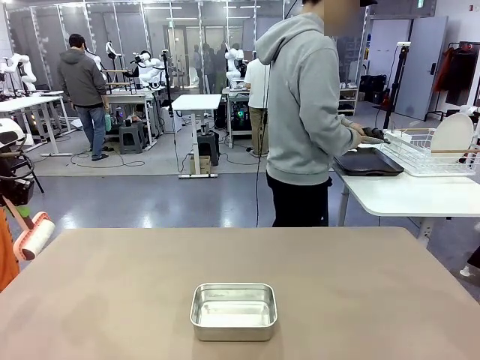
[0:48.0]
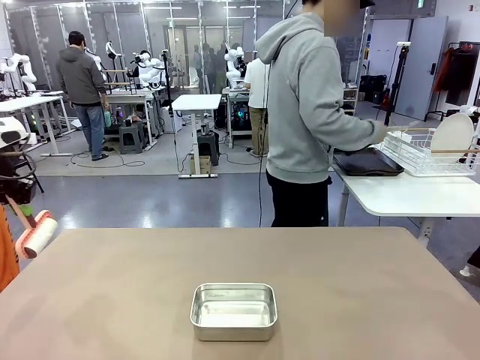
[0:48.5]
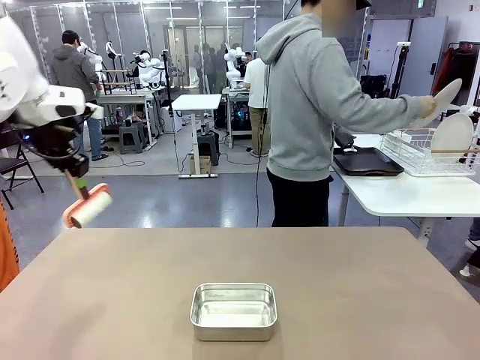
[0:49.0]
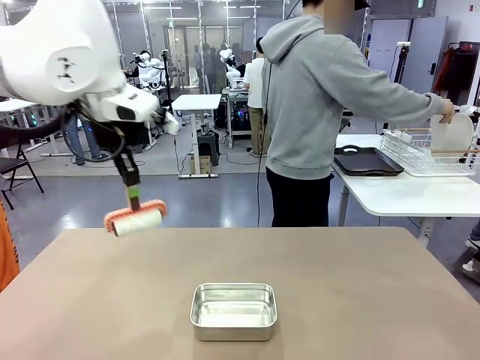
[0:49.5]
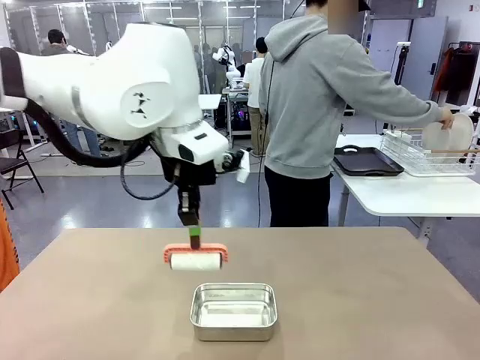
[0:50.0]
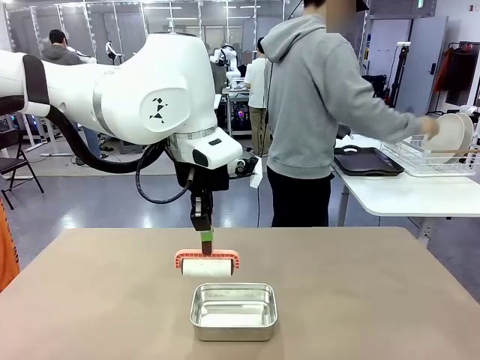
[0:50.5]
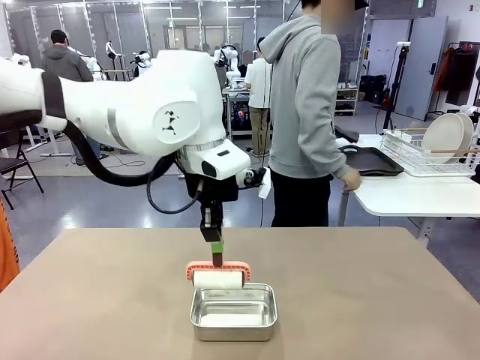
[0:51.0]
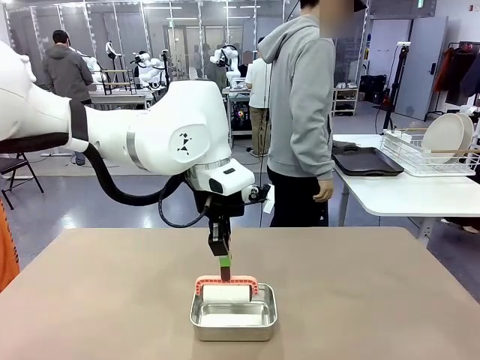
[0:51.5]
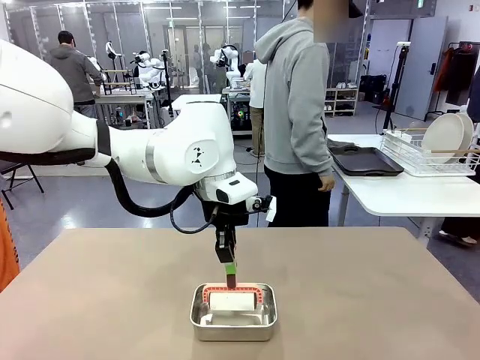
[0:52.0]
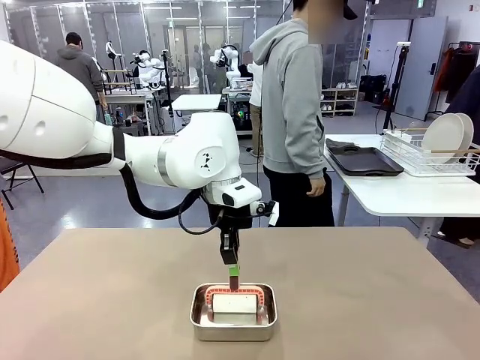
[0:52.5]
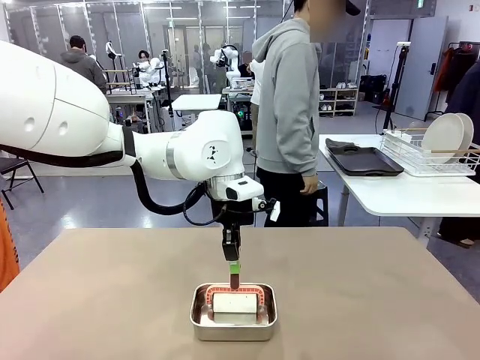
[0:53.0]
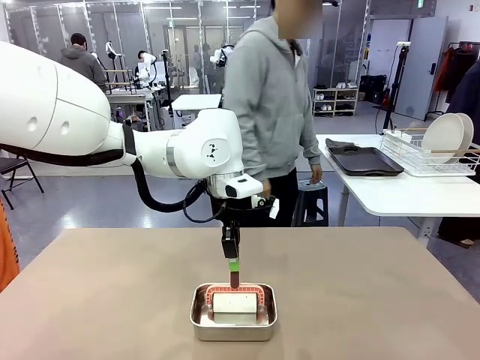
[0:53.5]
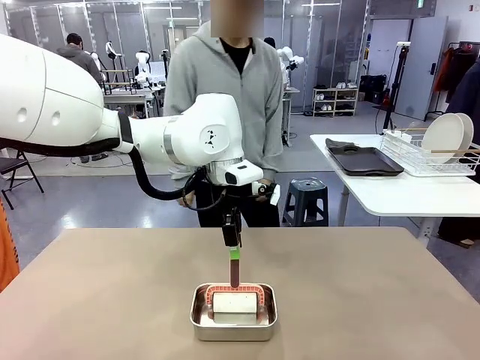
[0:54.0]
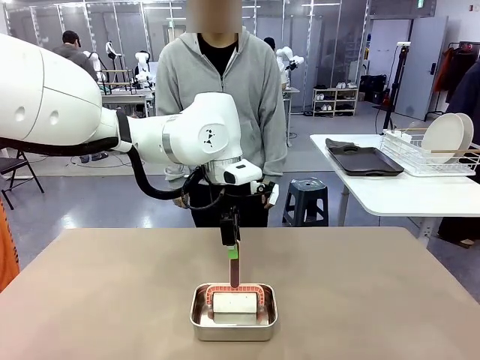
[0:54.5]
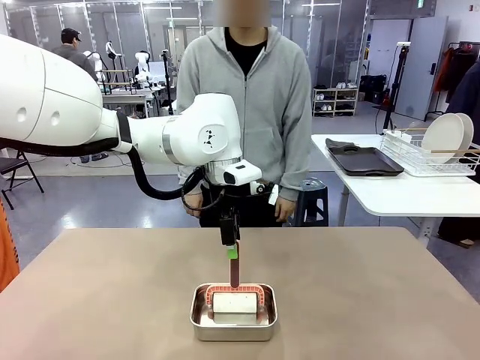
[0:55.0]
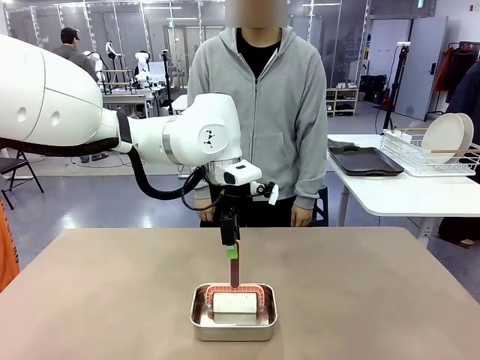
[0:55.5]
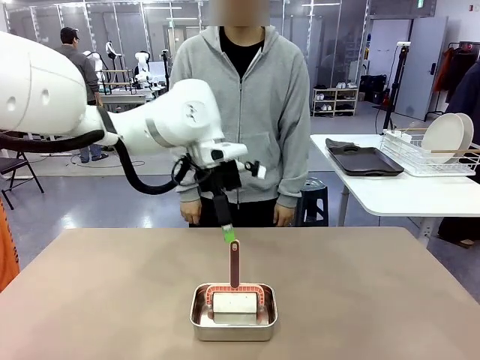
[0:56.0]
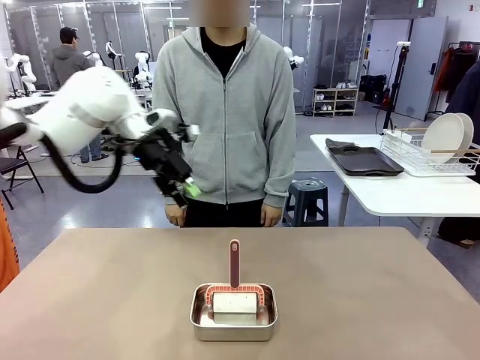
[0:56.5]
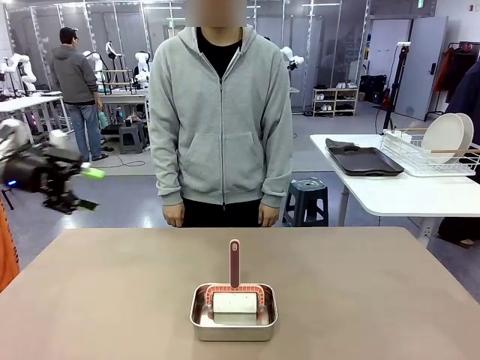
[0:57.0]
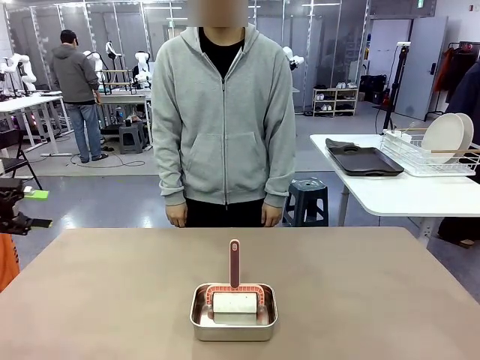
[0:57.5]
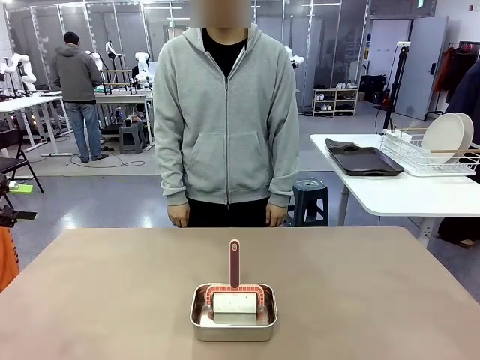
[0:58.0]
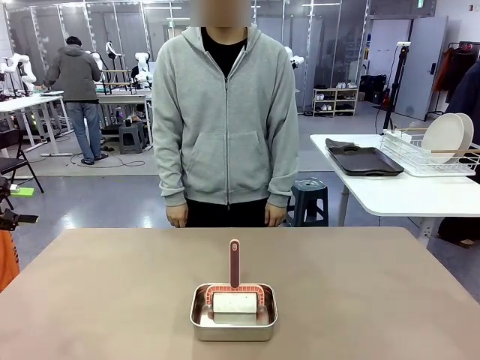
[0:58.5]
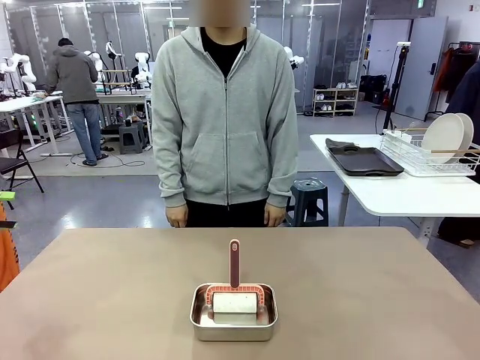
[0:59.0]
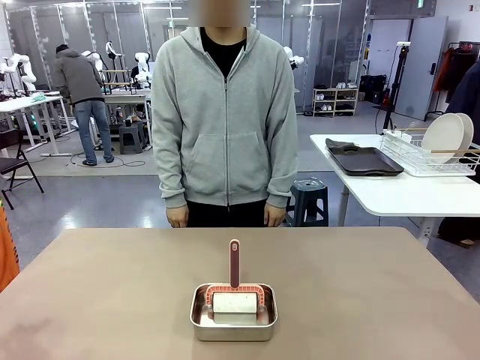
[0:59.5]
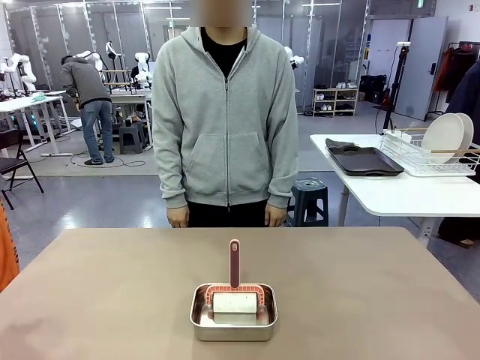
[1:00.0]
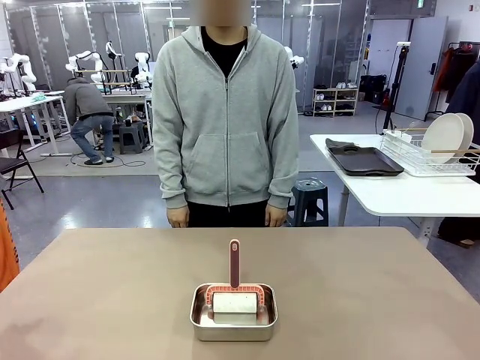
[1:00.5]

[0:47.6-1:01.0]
Robot: Place the Lint Roller back on top of the Airtight Container.
Person: Use the Towel with hook to wipe the Plastic Matte Plate , Fork , and Knife and place into the Dish drying rack.

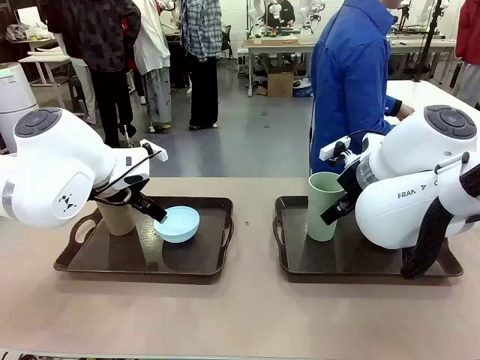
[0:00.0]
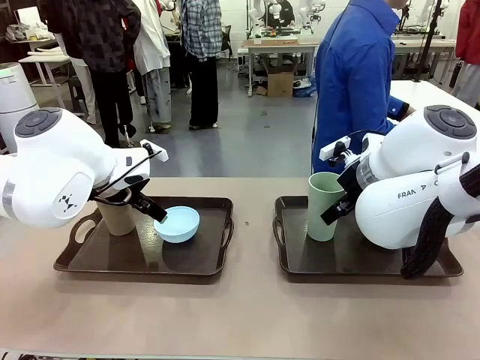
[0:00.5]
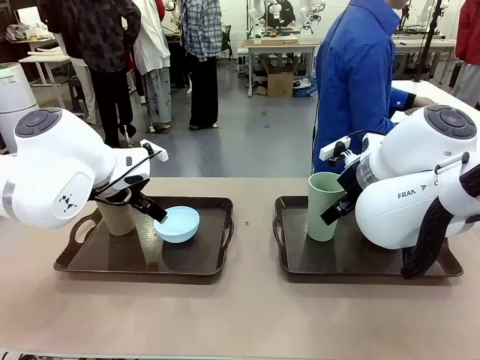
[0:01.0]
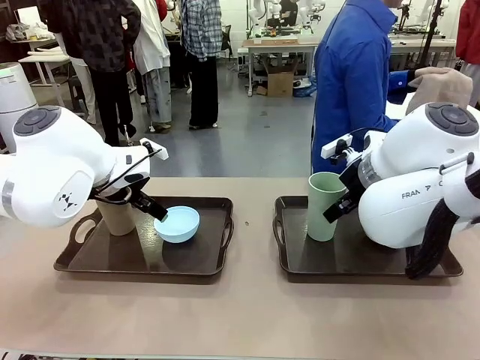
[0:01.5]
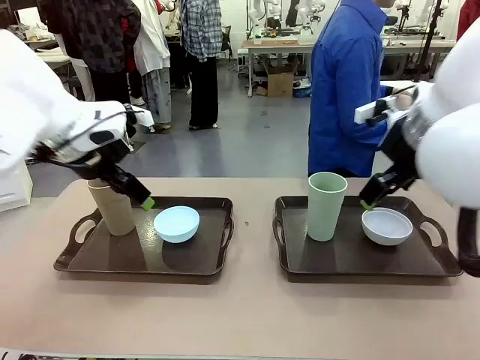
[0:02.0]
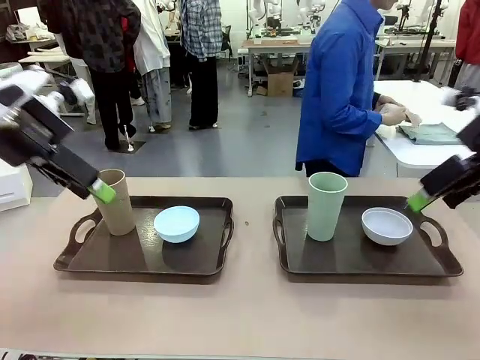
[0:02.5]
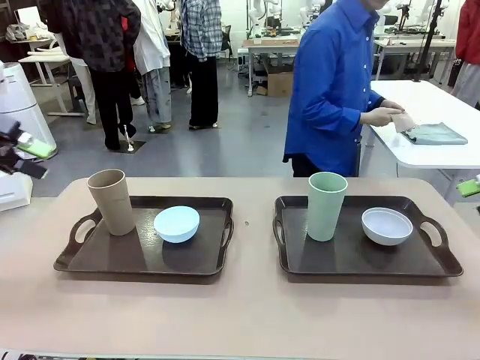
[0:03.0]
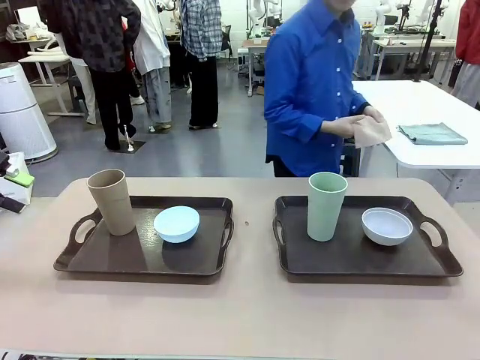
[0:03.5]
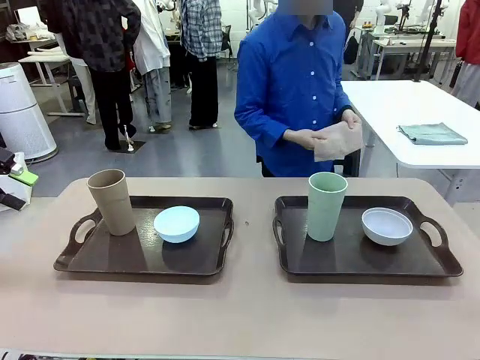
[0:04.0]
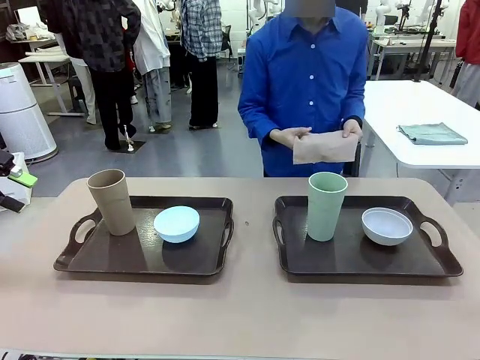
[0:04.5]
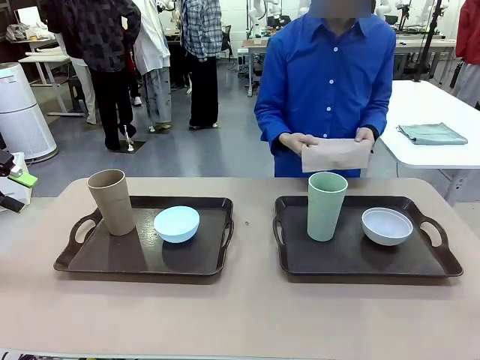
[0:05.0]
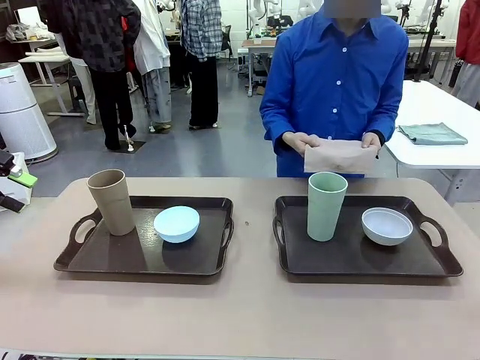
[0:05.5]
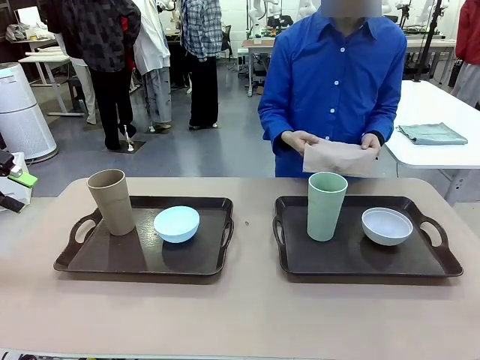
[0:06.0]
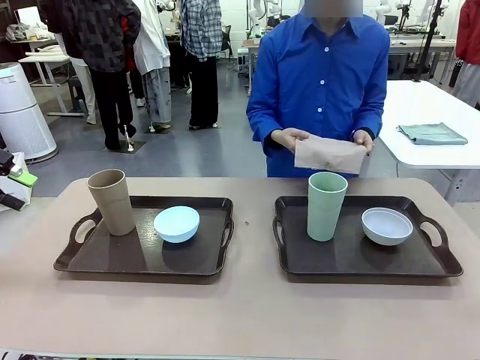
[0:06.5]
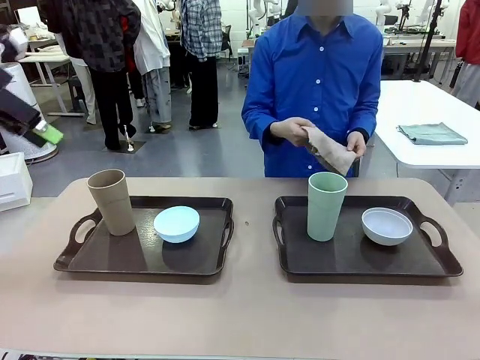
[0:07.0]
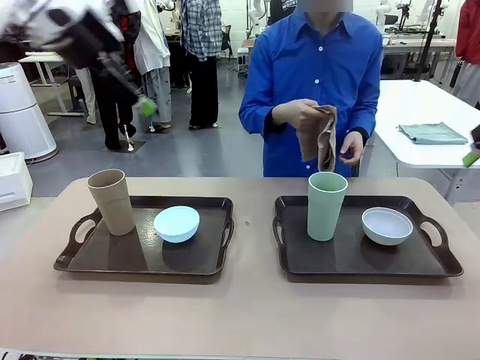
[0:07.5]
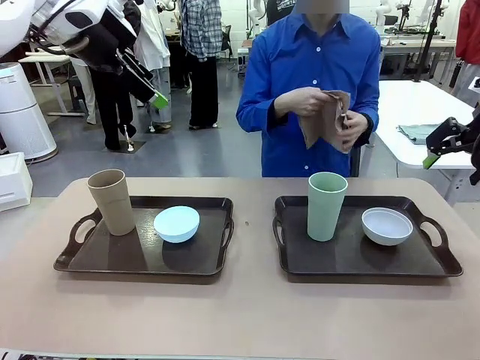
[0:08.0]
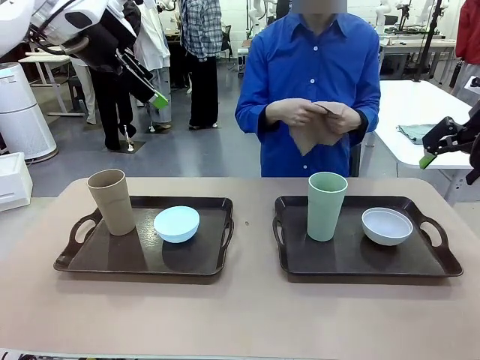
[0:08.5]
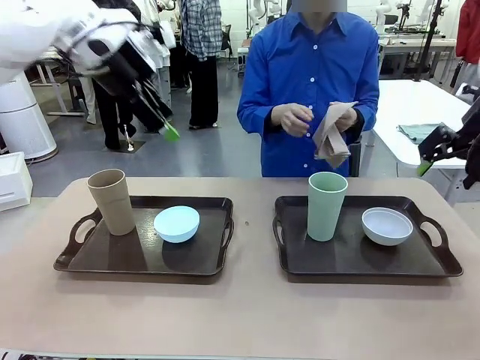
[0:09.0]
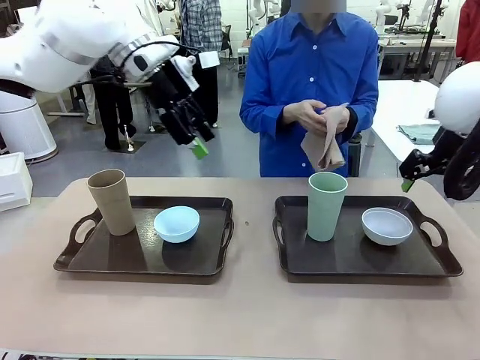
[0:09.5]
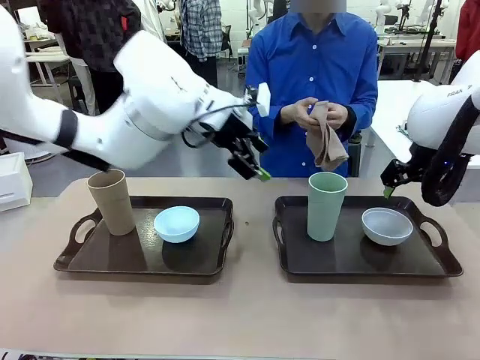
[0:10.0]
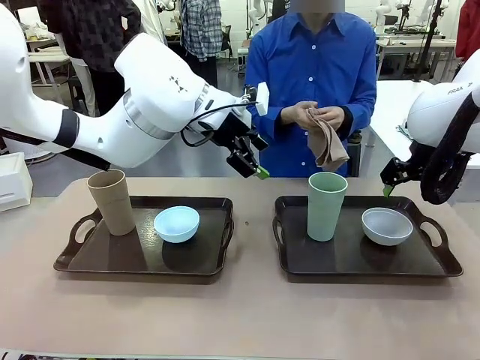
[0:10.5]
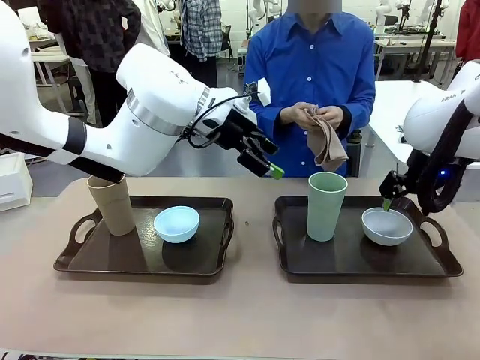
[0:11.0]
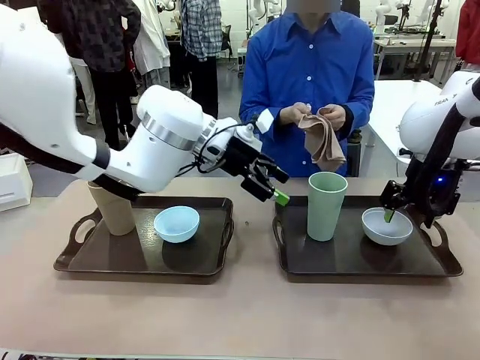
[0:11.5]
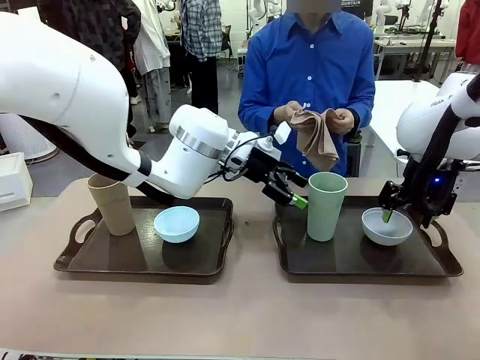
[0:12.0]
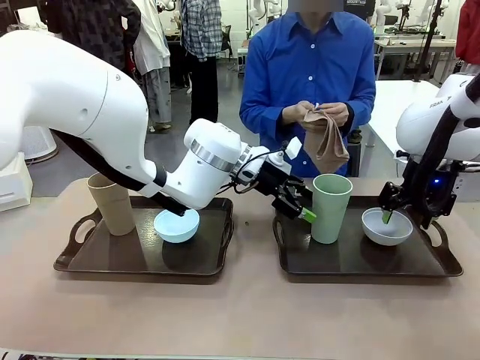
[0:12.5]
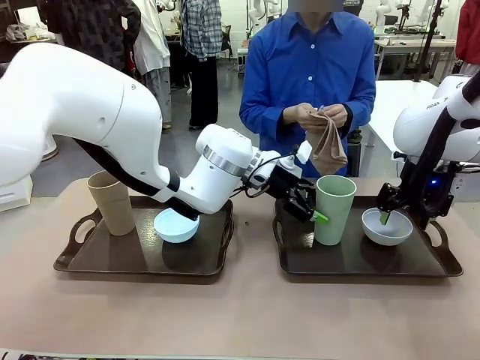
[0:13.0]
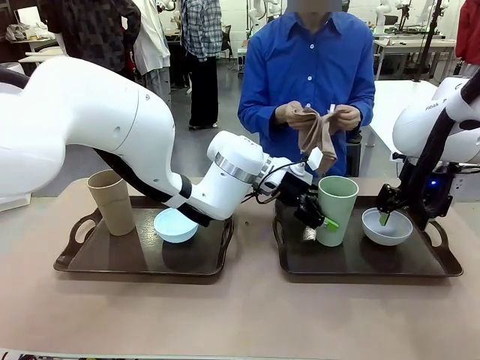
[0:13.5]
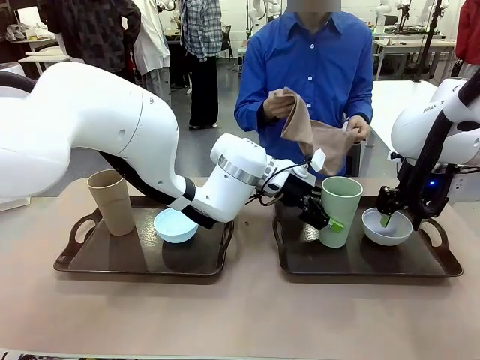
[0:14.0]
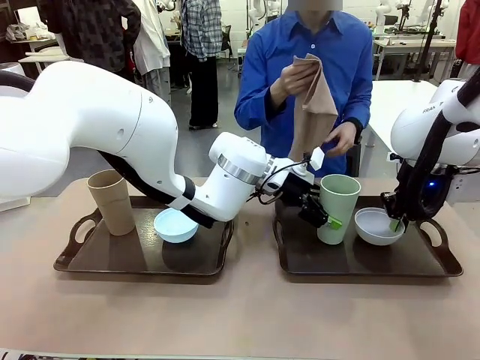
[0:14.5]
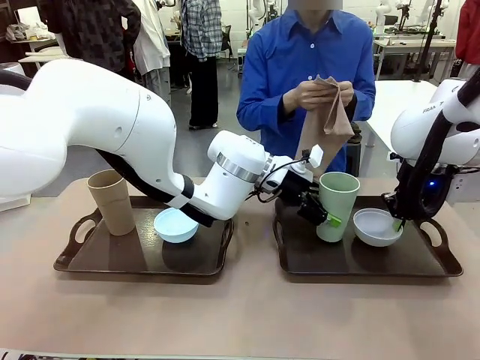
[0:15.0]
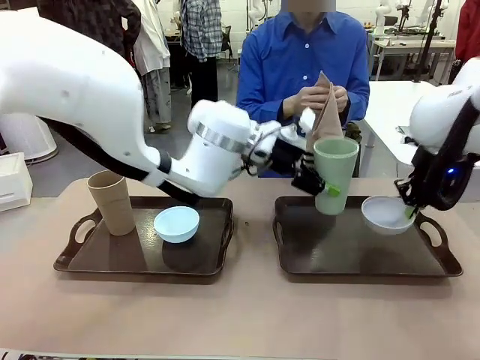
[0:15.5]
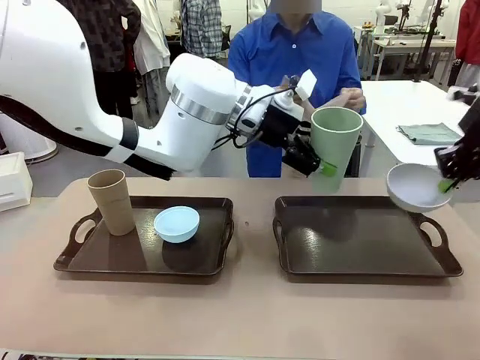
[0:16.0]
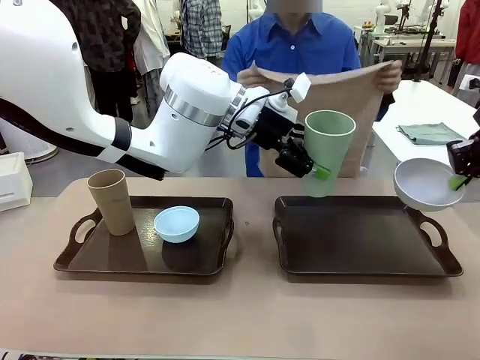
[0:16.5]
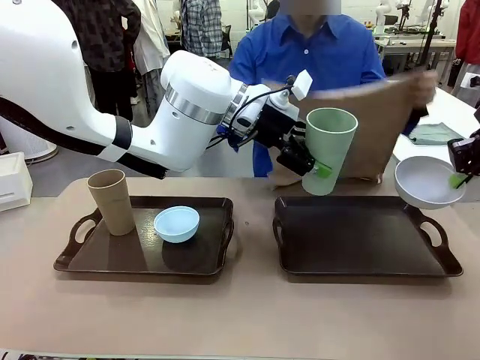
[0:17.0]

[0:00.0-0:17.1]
Robot: Pick up the Picnic Bowl and Reusable plastic cup from the Handle tray in front of the human's position and hold them in the air.
Person: The human picks up the top napkin from the stack on the human table and walks to the robot table to stand in front of one of the two trays. When the robot lifts the bowl and the cup, the human unfolds the napkin and lays the napkin flat on the tray.
